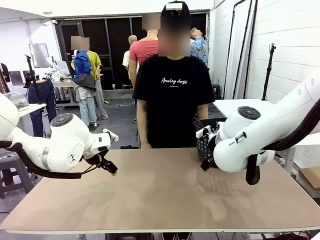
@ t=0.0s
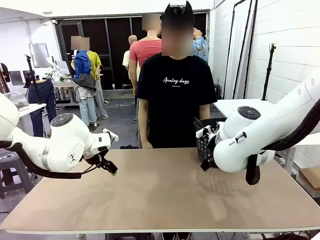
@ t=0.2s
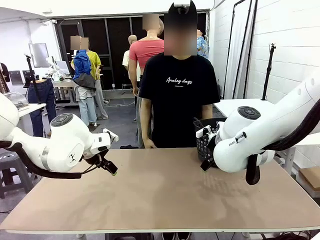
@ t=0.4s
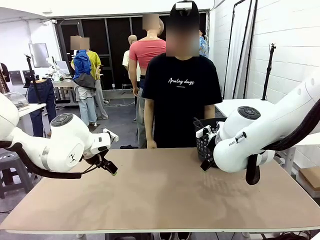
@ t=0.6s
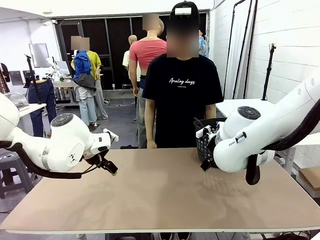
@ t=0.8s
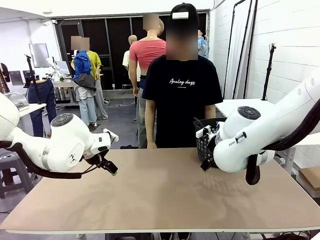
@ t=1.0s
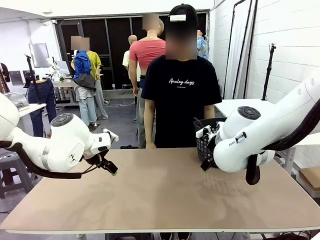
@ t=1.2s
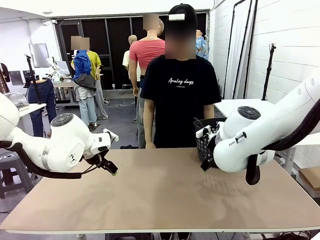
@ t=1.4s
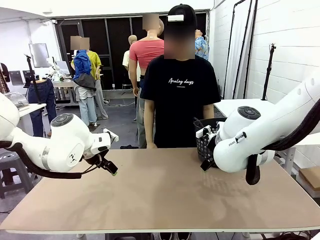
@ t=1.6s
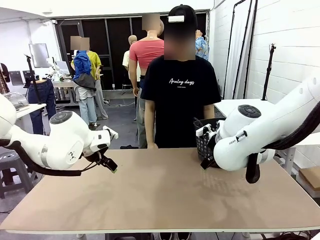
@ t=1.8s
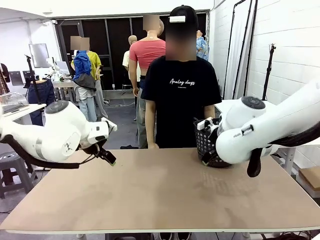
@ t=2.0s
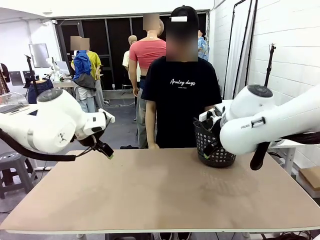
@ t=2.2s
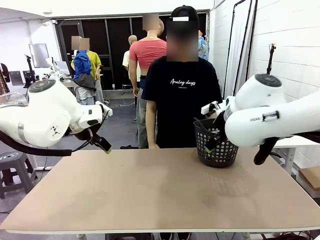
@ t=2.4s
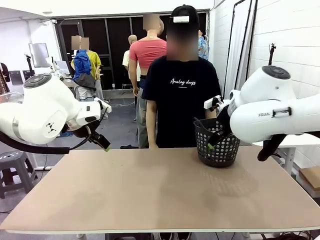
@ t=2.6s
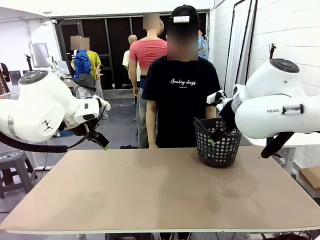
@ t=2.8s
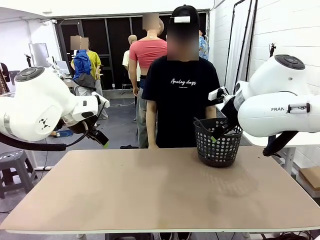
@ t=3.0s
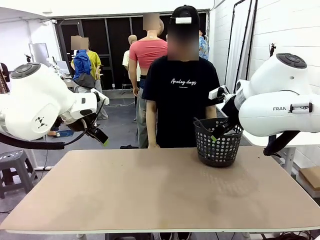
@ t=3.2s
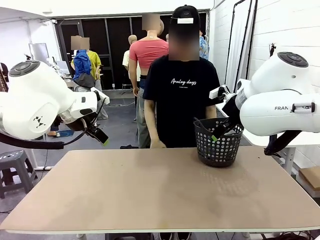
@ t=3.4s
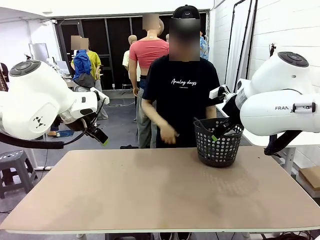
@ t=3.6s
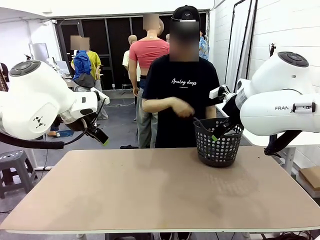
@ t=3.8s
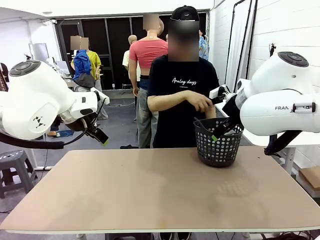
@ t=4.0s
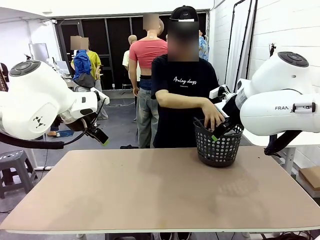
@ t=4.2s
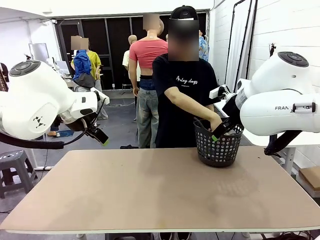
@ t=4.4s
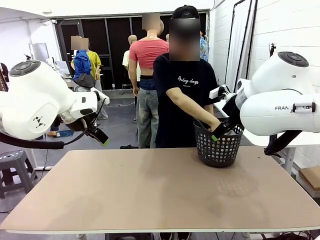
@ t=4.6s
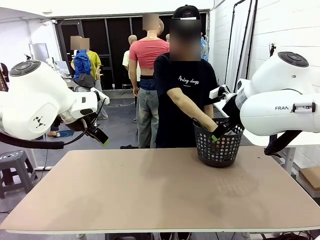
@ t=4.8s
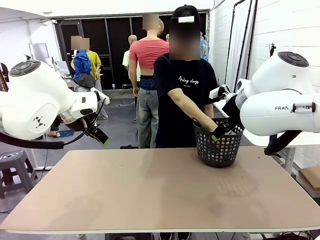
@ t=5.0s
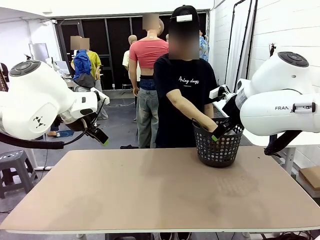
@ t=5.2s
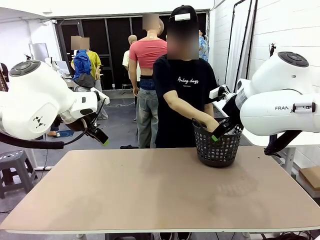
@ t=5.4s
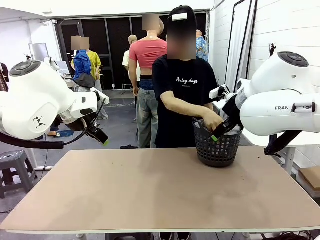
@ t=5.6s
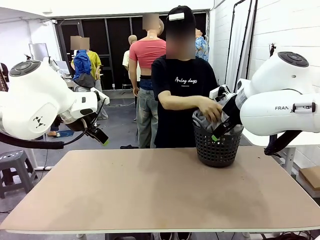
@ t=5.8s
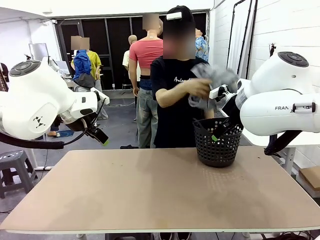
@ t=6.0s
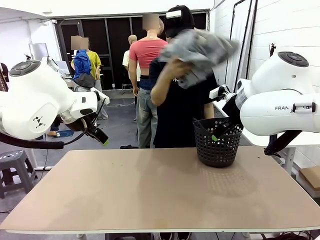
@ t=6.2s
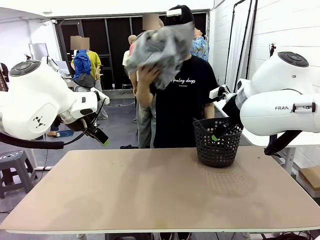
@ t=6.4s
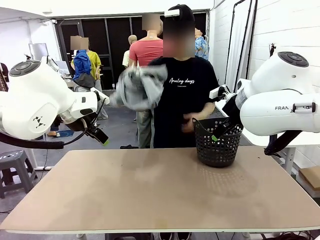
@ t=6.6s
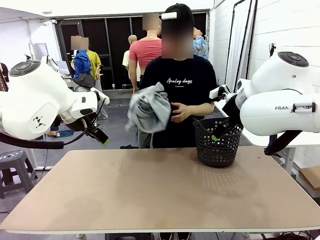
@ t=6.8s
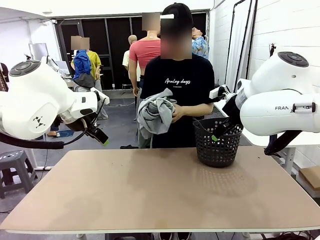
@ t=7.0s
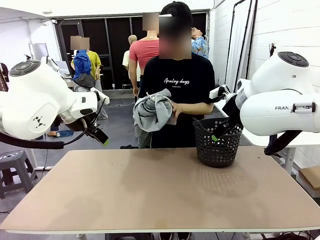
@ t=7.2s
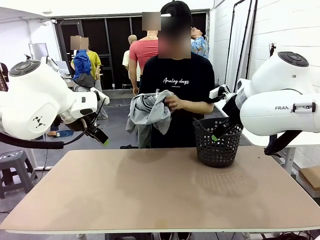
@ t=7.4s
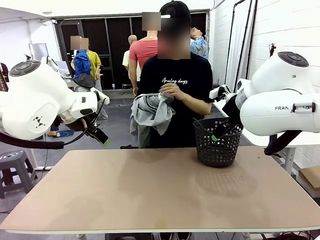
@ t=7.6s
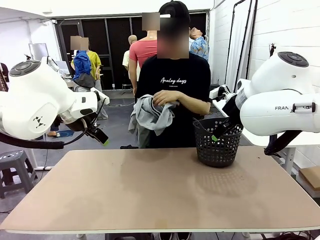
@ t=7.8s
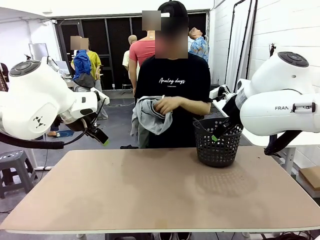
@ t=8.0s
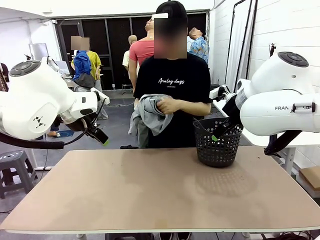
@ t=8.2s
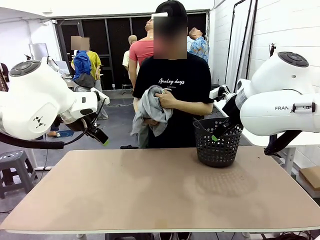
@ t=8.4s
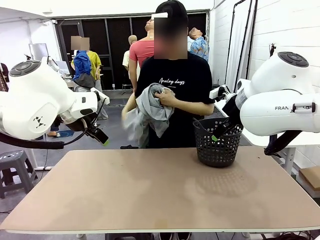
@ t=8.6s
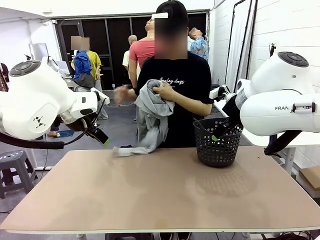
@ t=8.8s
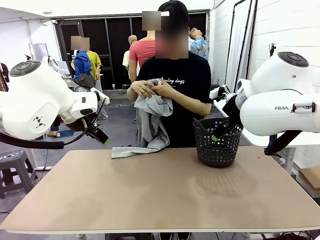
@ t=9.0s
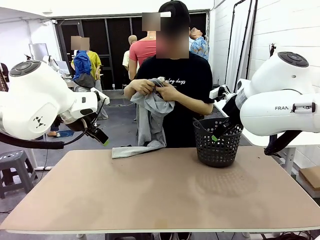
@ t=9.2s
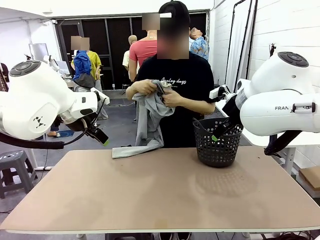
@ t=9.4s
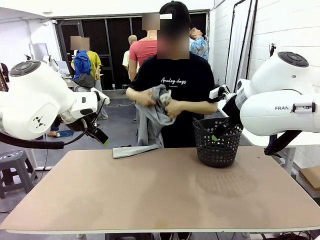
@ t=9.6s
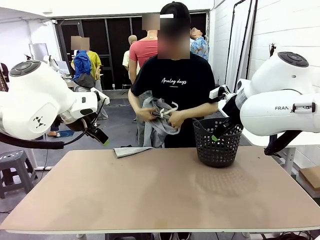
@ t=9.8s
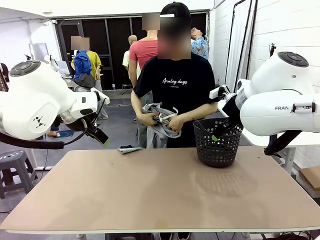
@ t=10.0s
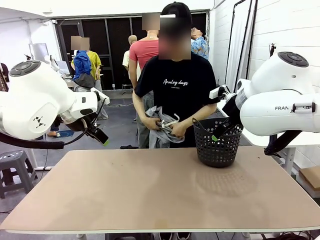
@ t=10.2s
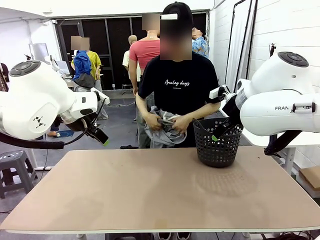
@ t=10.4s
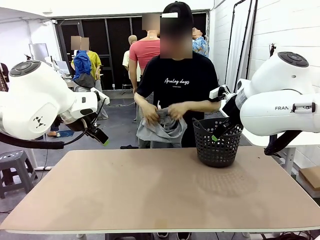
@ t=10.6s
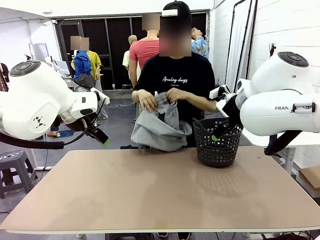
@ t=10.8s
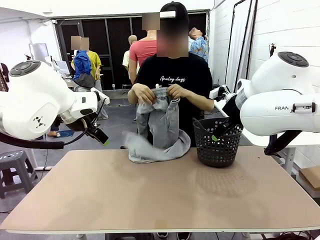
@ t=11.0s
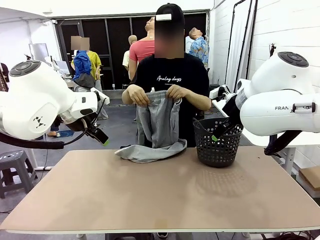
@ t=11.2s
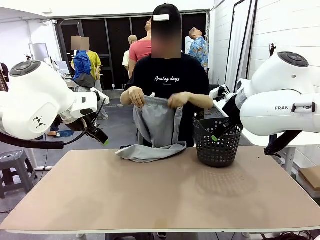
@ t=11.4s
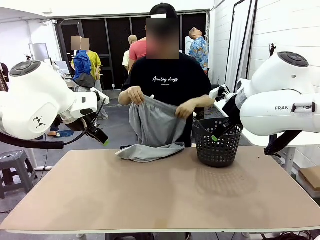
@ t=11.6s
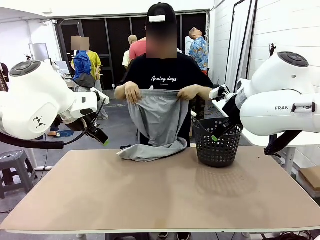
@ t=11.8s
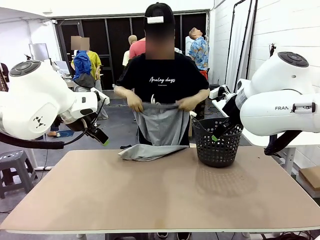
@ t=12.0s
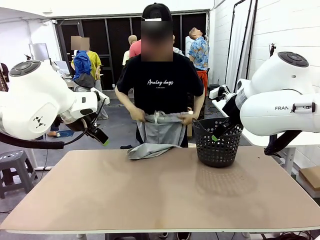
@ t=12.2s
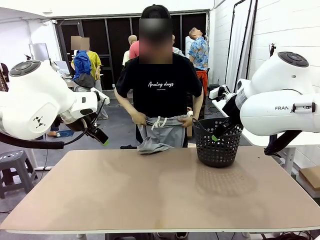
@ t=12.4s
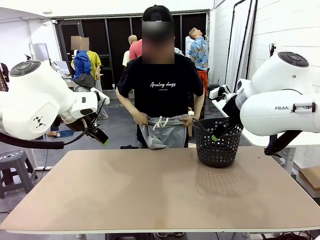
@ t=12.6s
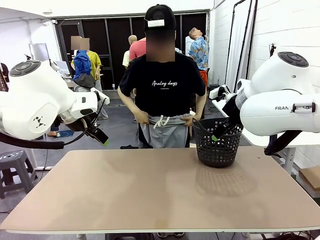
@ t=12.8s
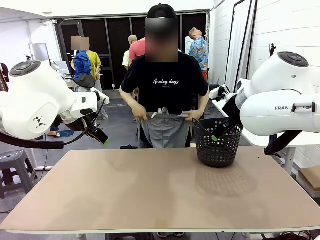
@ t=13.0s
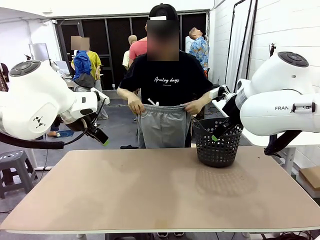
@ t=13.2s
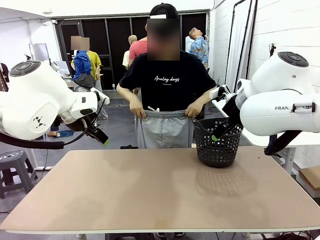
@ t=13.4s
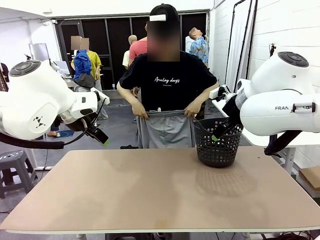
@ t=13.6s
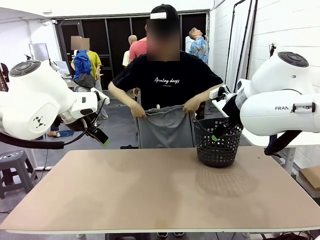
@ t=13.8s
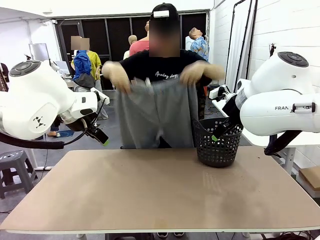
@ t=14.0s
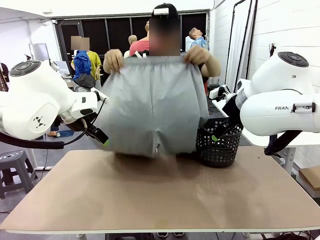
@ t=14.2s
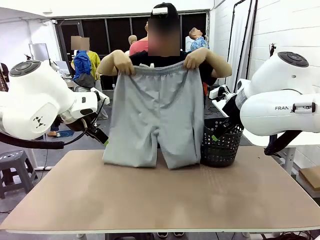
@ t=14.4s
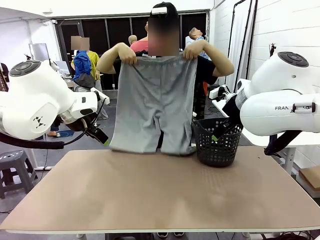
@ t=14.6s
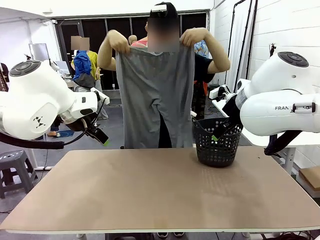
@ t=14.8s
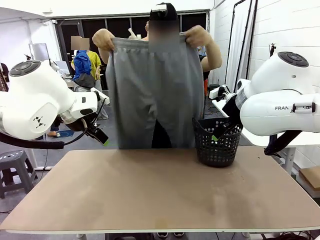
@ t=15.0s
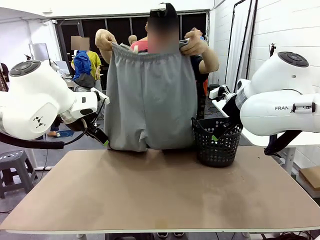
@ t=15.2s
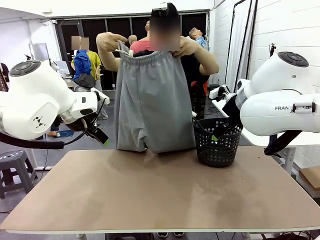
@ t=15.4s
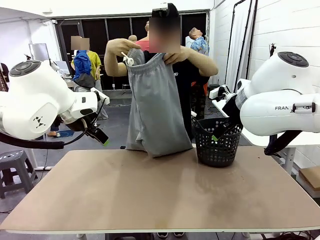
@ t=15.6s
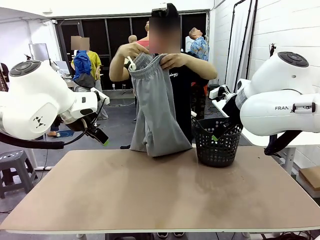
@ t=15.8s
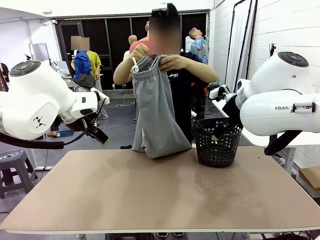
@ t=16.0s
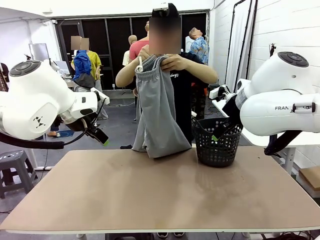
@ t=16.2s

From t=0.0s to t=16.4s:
Task: Fold the training pants.
Robot: Grab both ends of the Training pants handed by a person.
Person: Take the long pants out of the laundry basket, unfold them, fold the waist in half, and extend them so the robot can pick up both corners.
